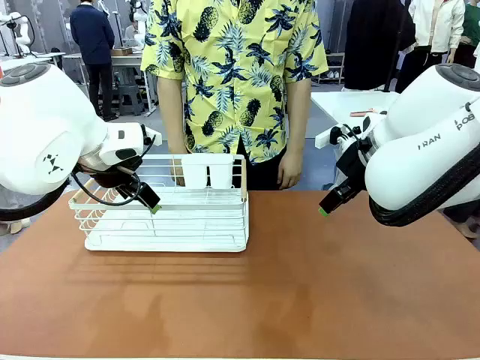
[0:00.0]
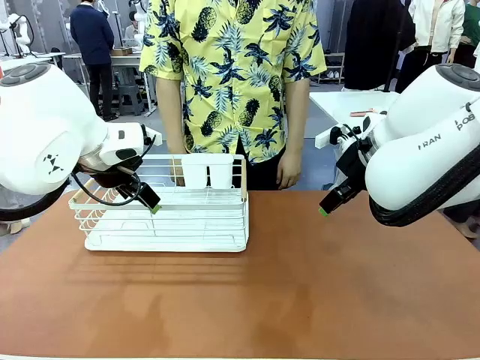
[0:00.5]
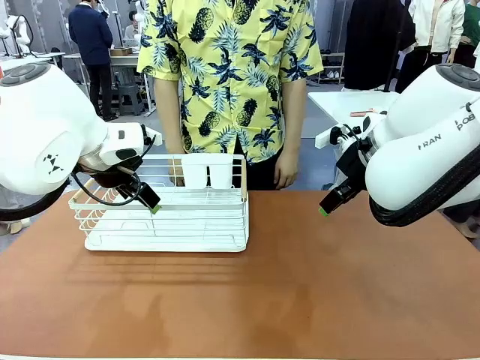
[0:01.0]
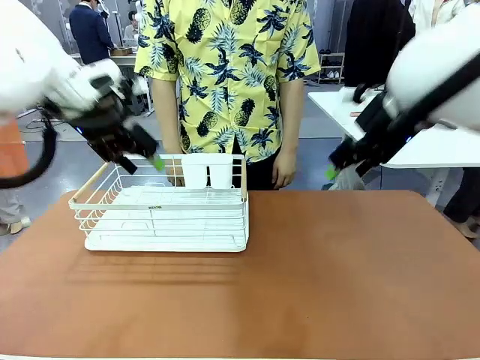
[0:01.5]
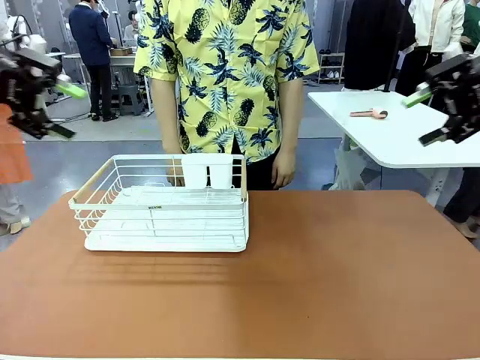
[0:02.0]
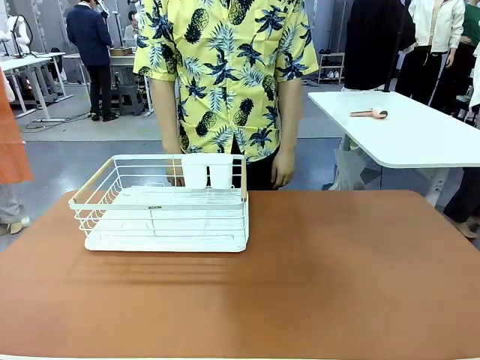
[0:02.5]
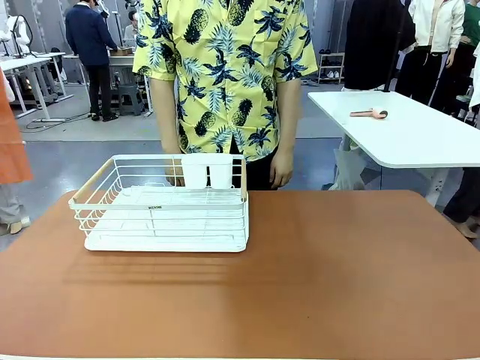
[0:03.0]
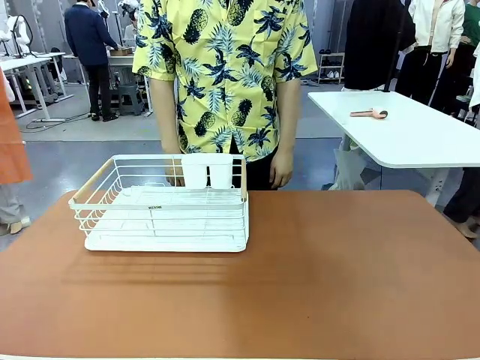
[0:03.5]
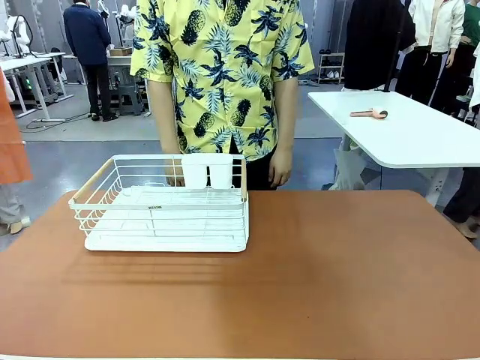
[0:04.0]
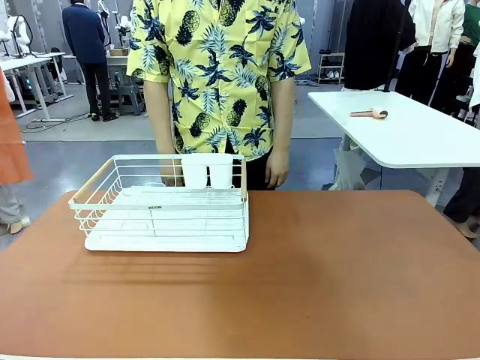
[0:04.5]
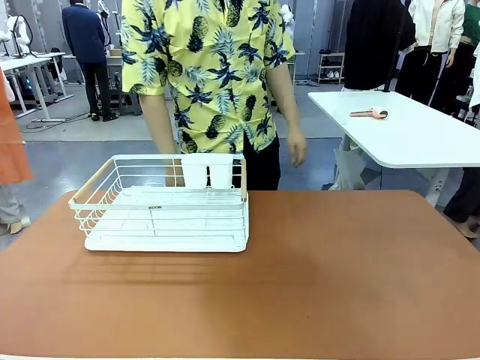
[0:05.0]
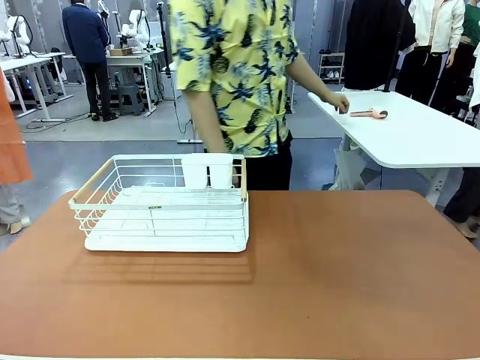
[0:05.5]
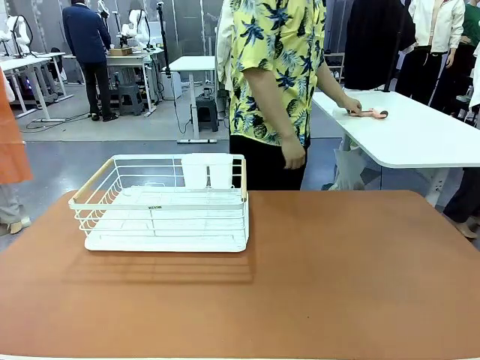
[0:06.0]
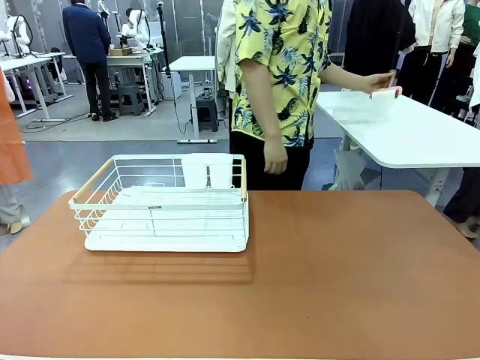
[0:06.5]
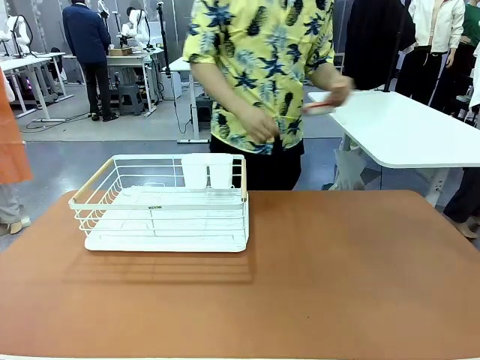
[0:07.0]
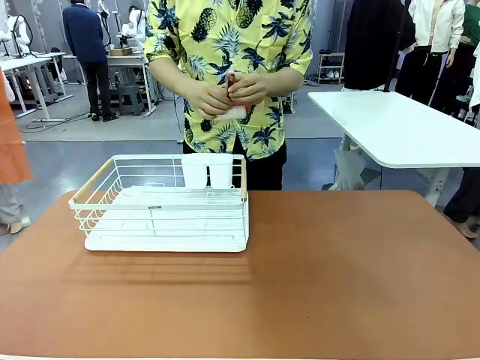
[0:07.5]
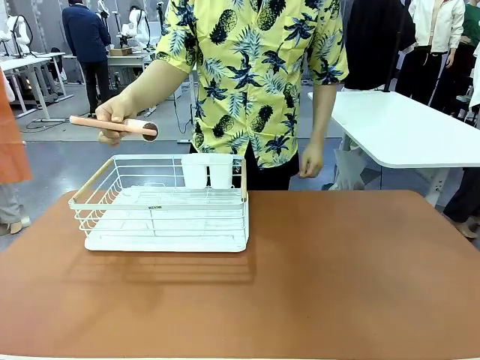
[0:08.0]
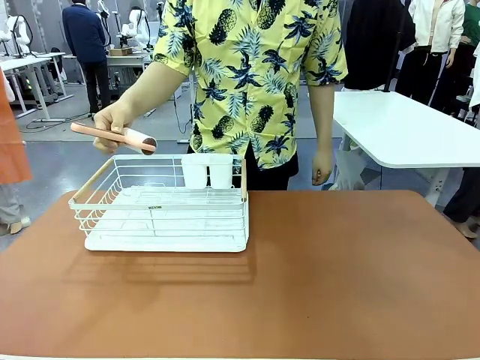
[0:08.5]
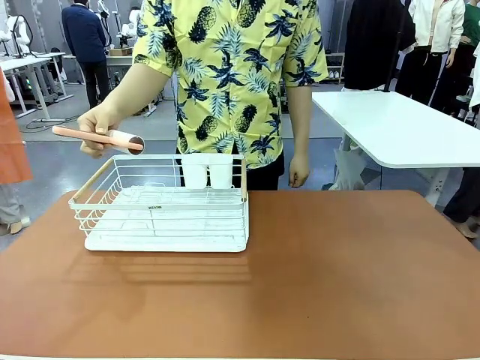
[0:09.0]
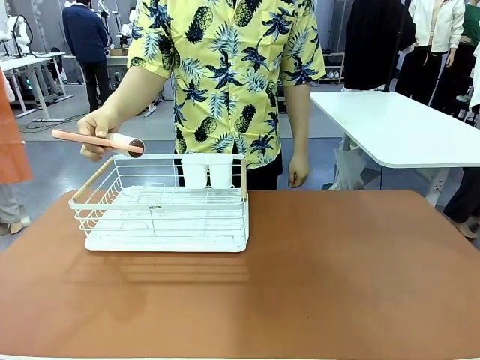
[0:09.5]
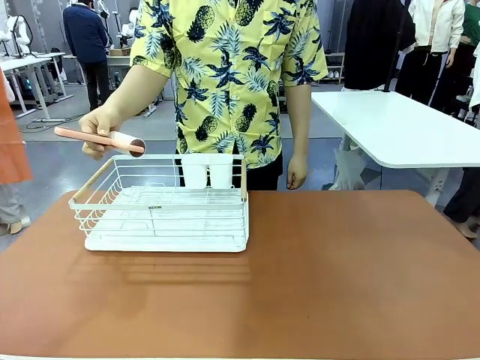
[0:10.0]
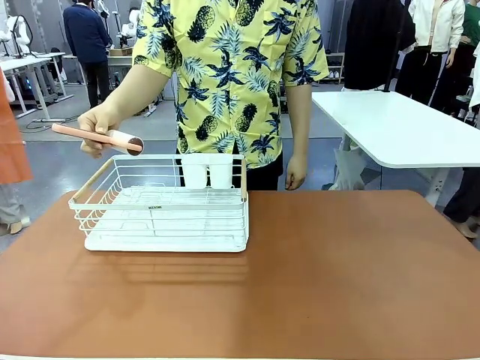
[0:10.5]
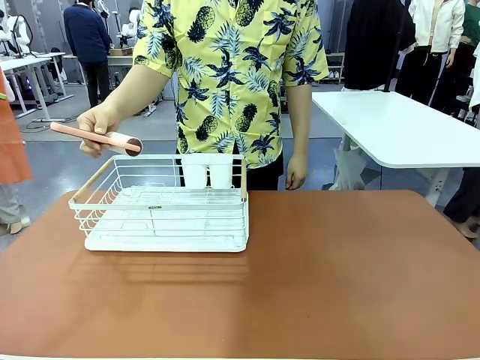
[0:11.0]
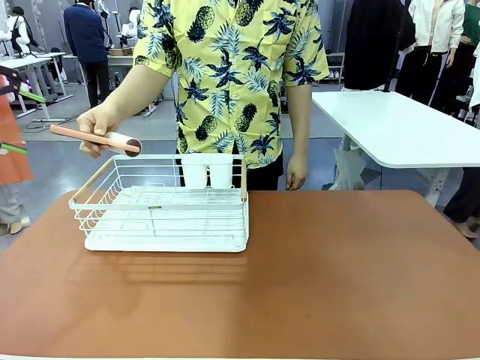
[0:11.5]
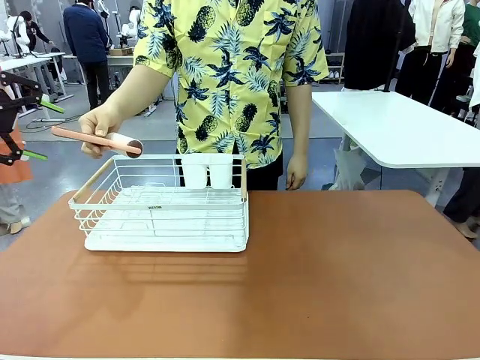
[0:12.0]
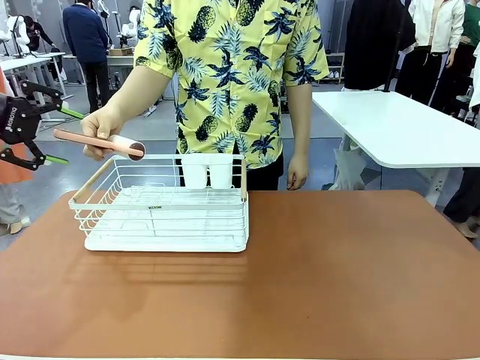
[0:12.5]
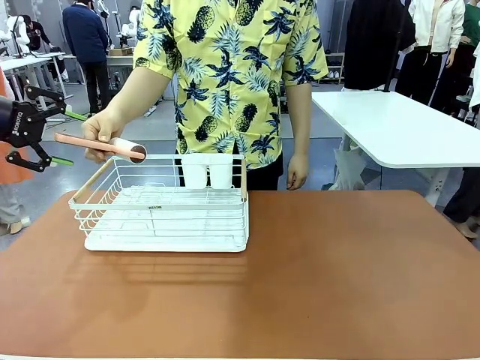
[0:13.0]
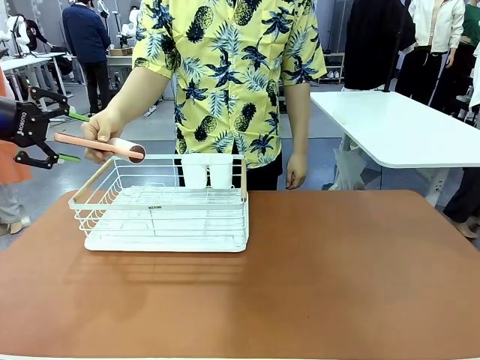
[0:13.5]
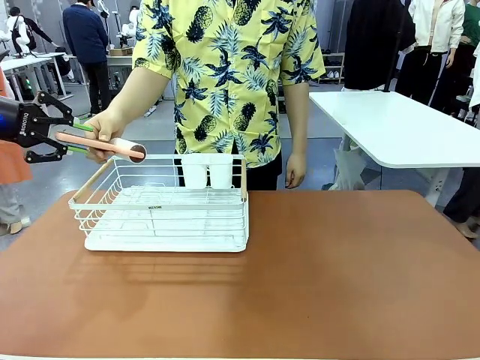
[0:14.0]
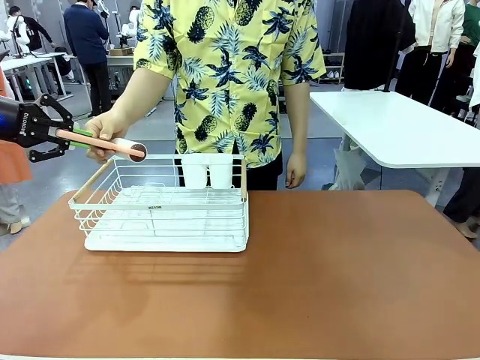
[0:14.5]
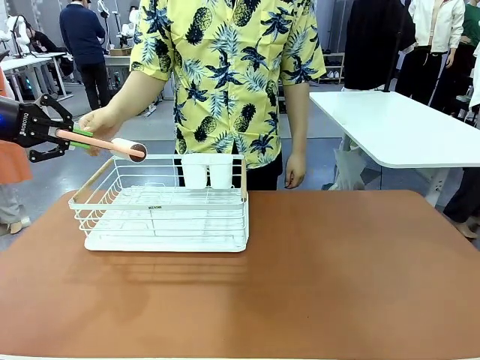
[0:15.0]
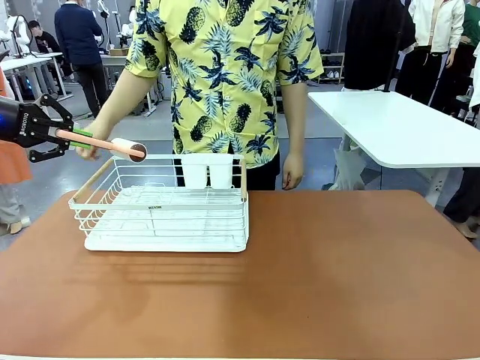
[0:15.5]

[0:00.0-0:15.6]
Task: Clean the table.
Robot: Pick up the Lint Roller when the human hands it over.
Person: Hand the Lint Roller to the robot so it can easily pick it up. Lift the Dish drying rack.
